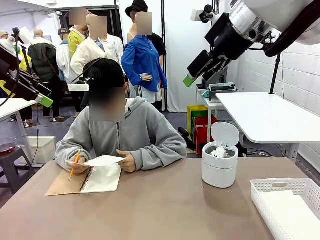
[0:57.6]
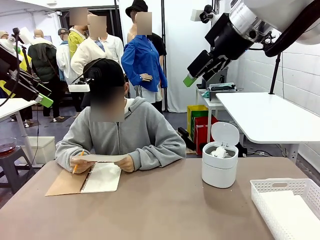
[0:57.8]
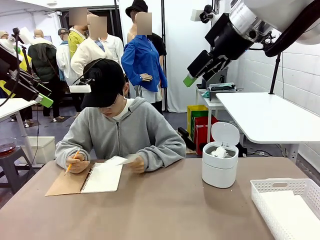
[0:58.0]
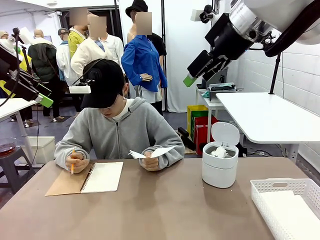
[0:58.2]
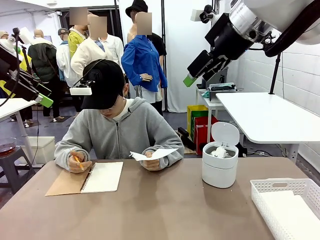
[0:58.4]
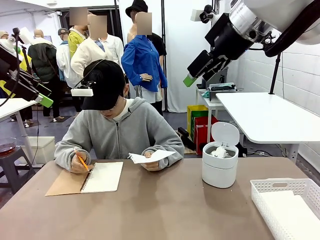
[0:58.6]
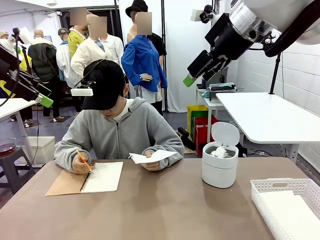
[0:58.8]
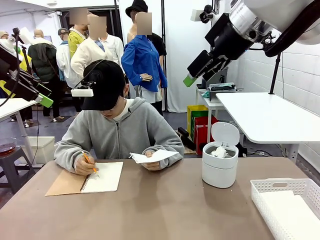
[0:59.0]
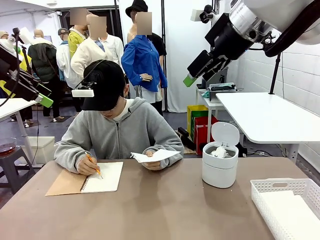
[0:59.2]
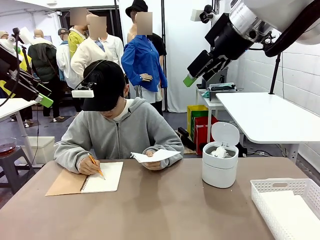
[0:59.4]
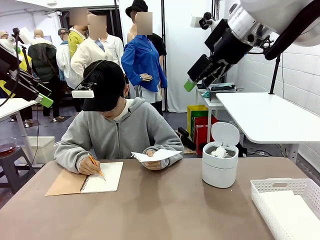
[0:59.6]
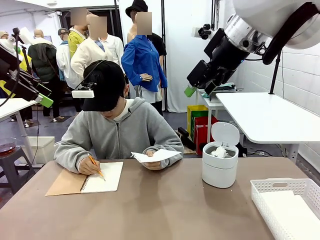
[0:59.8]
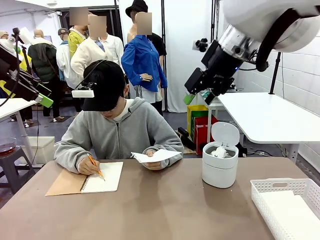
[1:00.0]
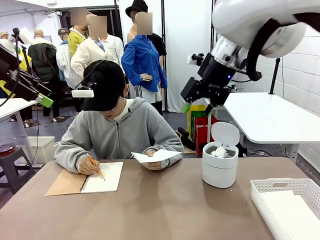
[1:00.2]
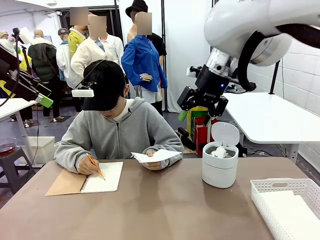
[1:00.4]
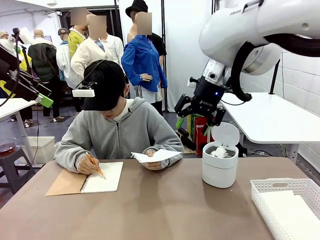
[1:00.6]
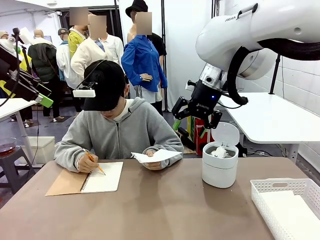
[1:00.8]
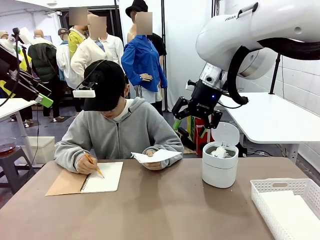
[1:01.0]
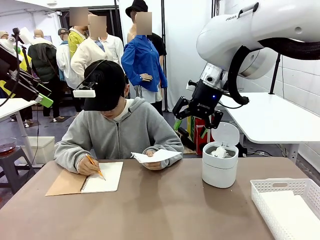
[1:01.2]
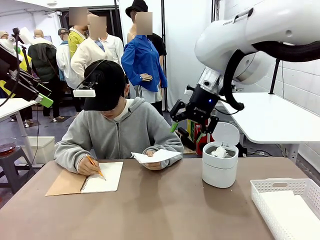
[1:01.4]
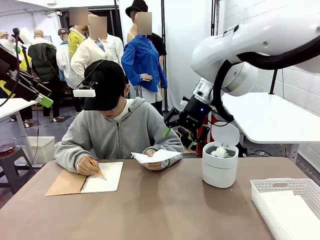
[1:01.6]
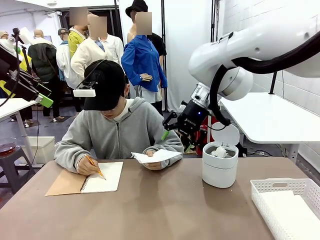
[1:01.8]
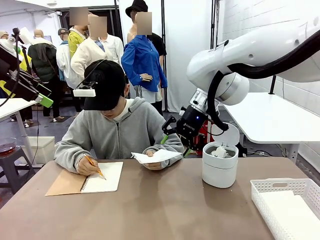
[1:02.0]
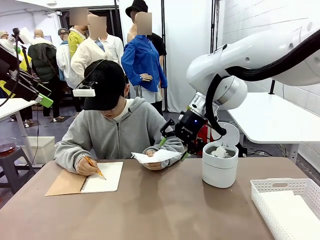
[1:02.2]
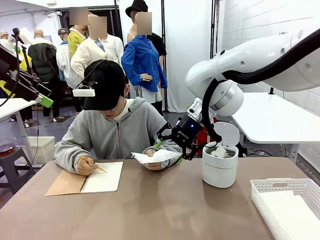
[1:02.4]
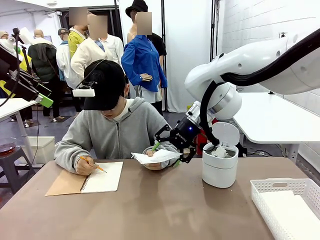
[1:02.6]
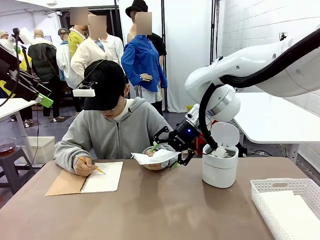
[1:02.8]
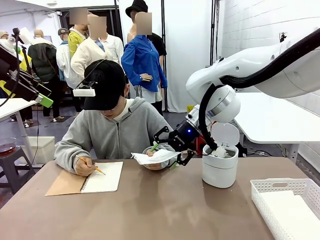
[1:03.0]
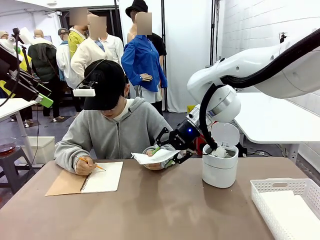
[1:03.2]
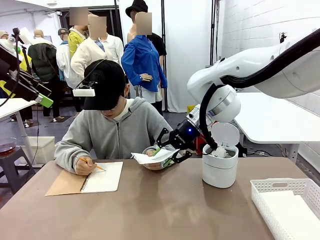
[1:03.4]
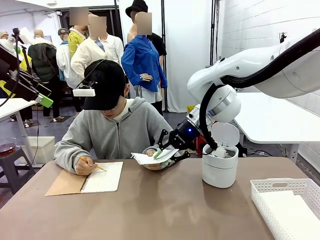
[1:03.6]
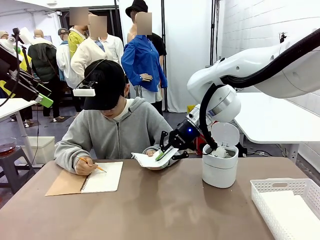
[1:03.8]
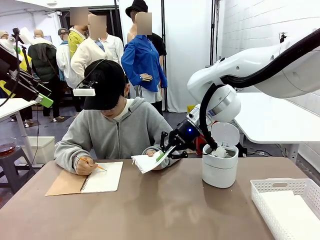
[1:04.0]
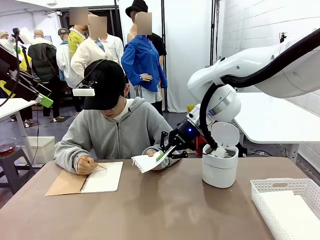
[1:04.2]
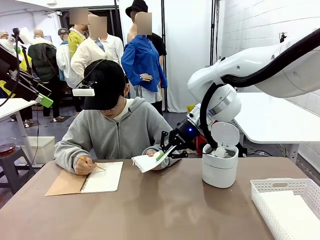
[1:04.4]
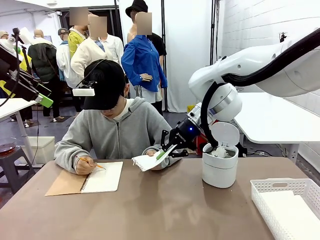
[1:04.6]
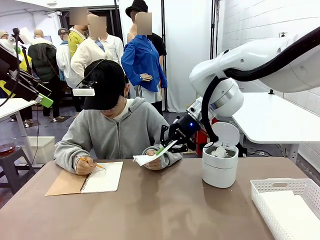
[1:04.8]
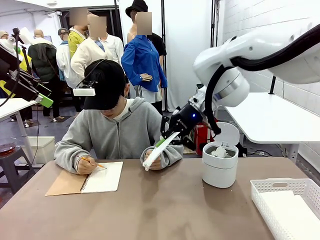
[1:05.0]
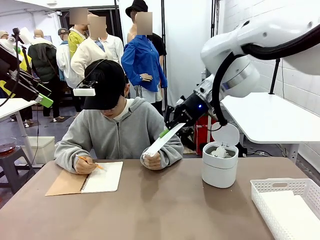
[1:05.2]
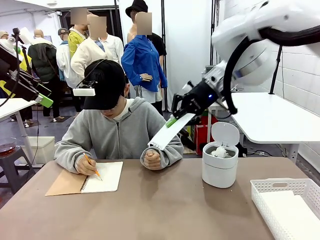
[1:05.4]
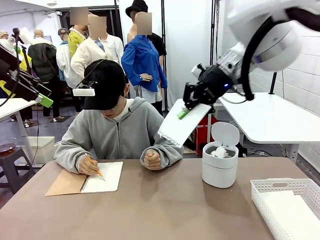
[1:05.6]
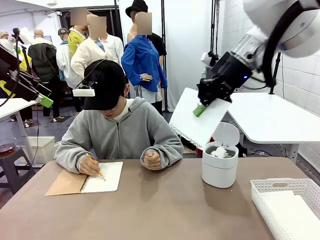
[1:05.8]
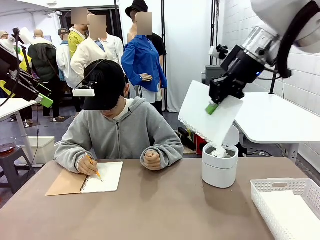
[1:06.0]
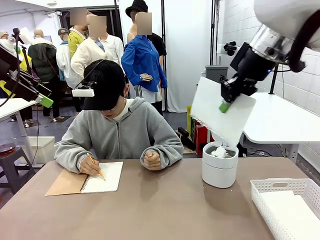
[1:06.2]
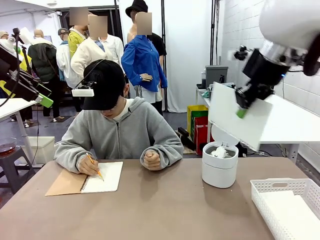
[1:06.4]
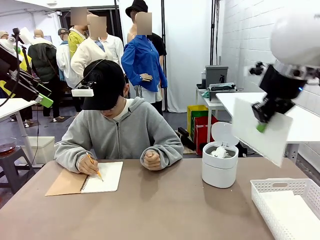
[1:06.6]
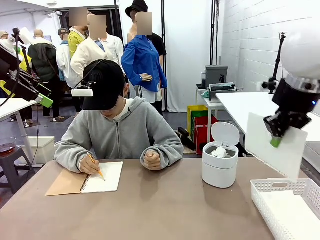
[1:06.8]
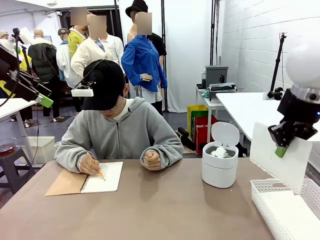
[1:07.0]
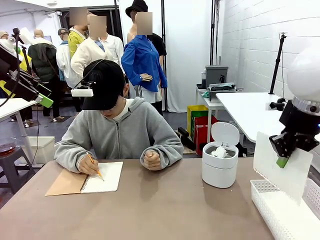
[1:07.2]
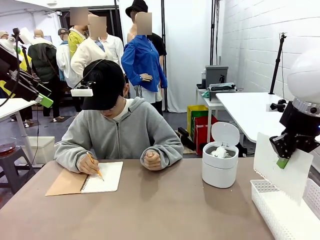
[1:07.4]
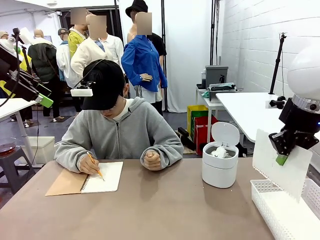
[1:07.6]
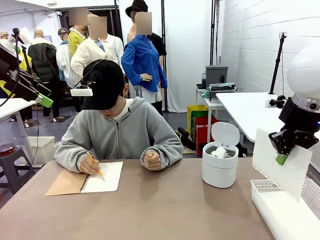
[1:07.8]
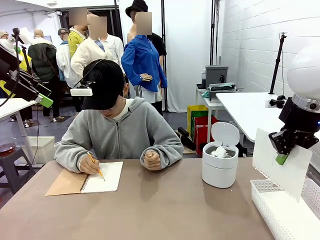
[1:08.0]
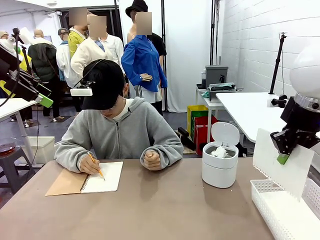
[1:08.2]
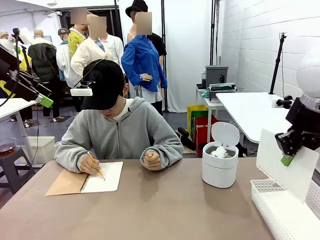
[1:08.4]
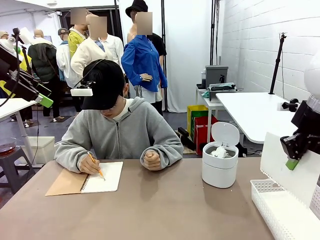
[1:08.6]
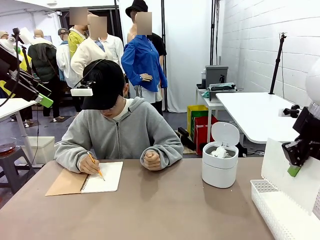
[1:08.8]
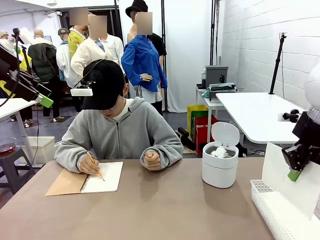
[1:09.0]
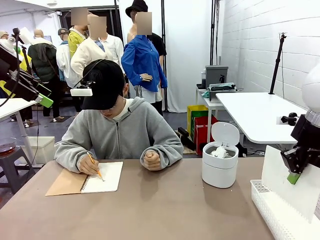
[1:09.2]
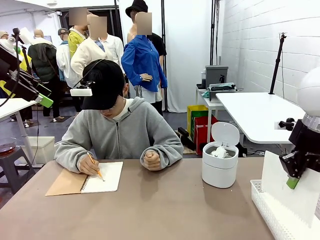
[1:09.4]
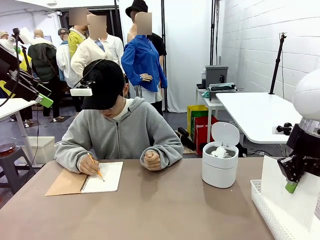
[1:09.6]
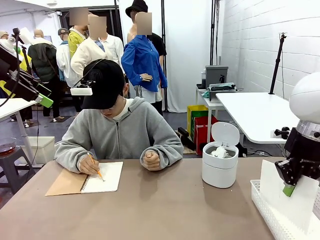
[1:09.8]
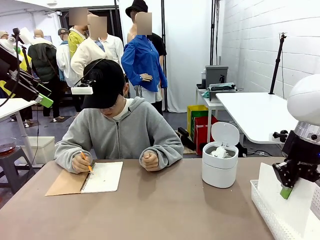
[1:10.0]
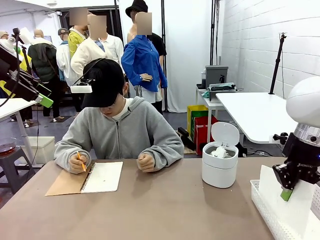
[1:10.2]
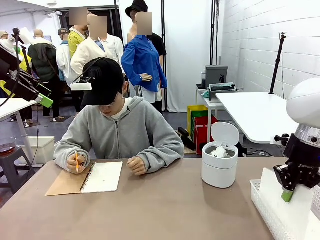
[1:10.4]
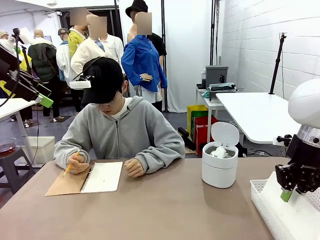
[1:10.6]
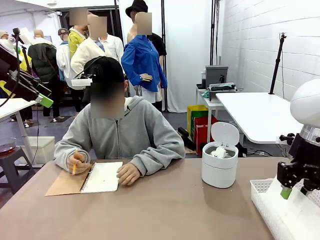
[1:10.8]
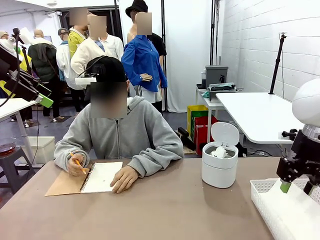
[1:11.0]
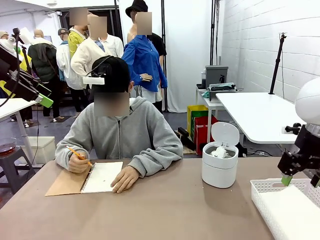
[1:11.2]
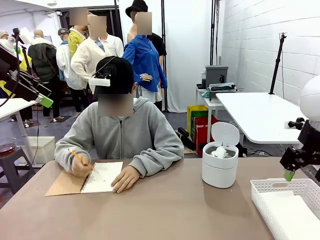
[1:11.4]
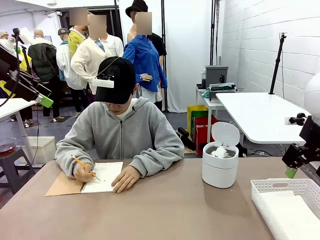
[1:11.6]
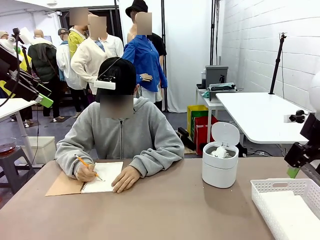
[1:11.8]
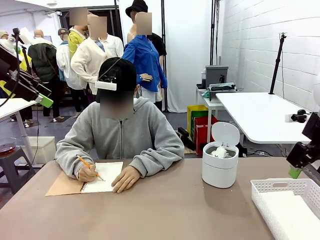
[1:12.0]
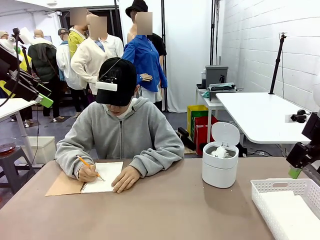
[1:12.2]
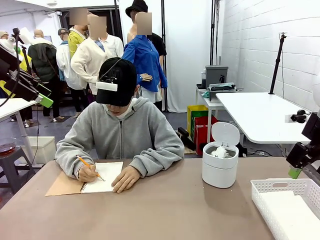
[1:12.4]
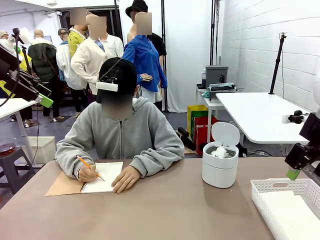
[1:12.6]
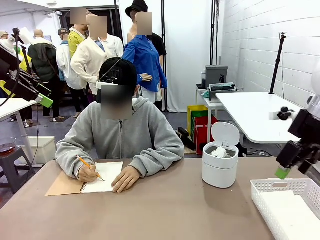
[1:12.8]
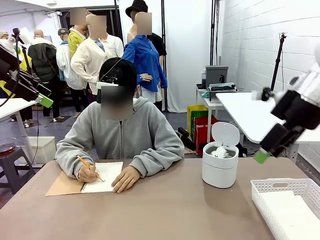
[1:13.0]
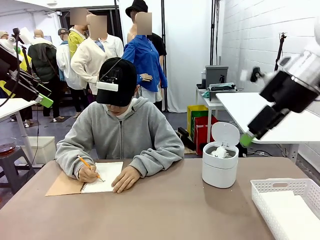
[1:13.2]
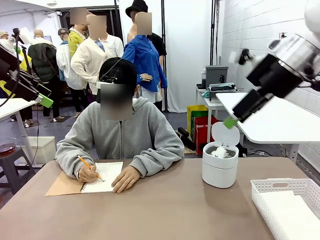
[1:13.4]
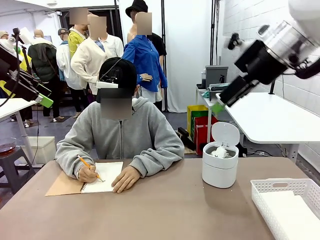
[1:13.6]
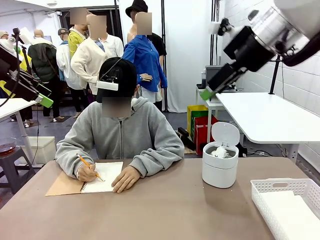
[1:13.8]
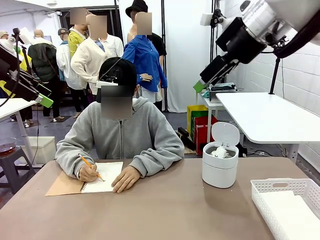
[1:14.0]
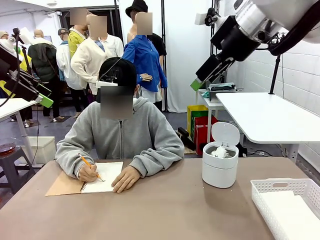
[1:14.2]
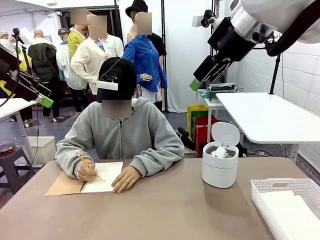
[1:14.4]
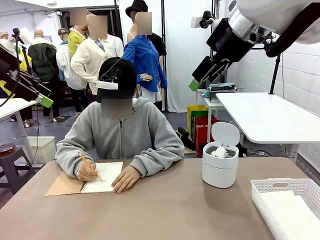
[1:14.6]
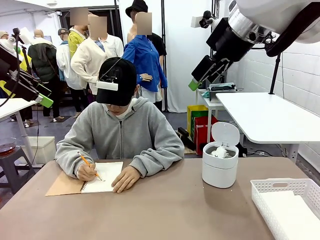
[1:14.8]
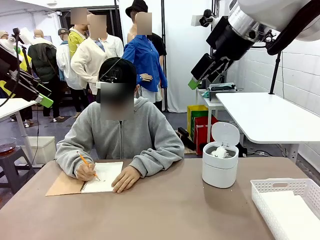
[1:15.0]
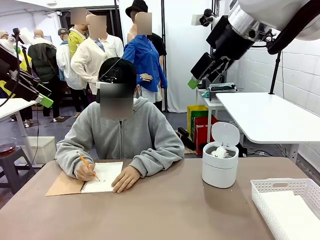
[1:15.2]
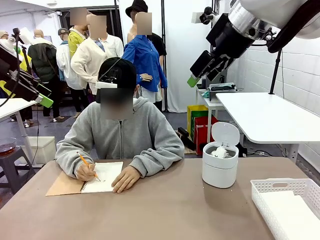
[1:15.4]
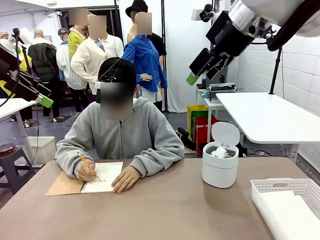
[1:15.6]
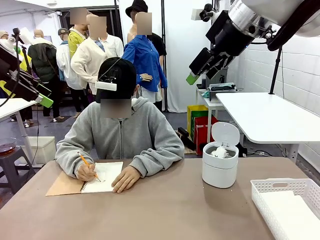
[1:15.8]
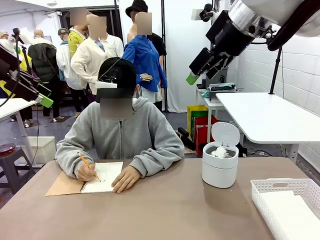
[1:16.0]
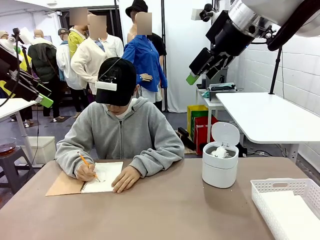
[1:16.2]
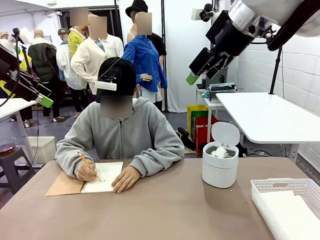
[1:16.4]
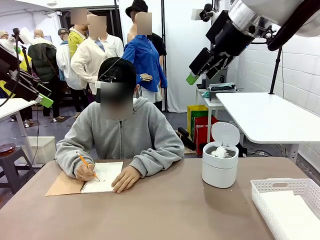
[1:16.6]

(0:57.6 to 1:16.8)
Task: Sort the paper based on its condition.
Robot: If a person hands you a paper, place it in the Organizing basket , and if it's crumpled, put it in the Trash can.
Person: Hand the torn page to the robot or crumple it and throw it to the center of the table.
